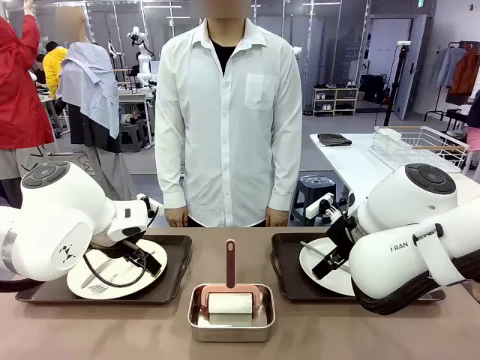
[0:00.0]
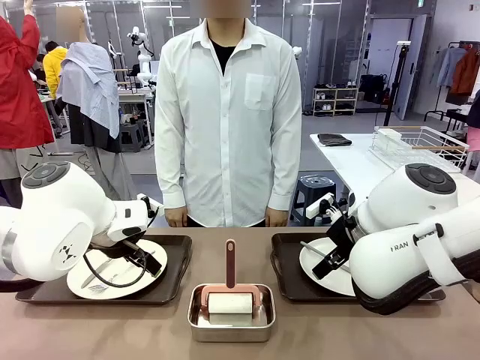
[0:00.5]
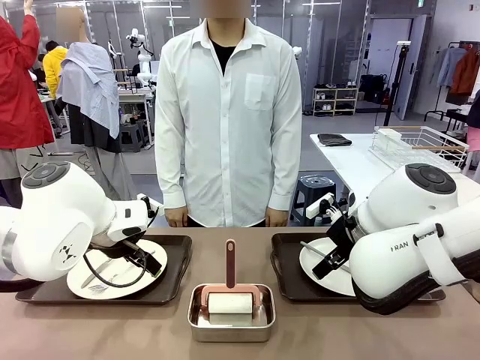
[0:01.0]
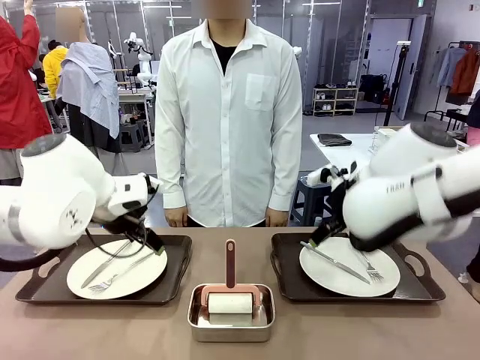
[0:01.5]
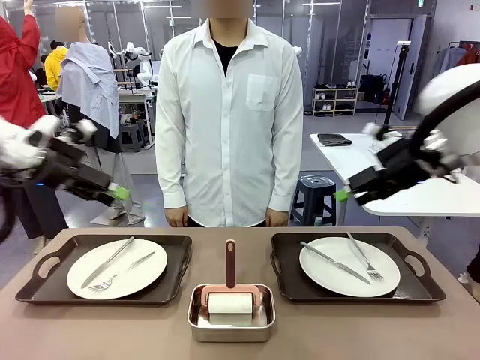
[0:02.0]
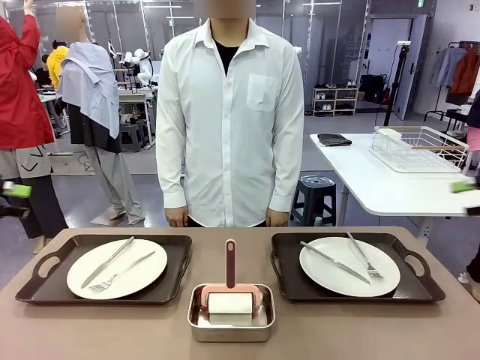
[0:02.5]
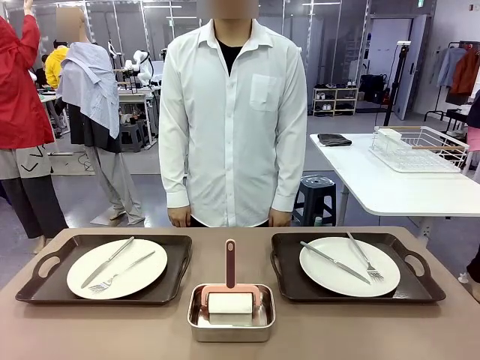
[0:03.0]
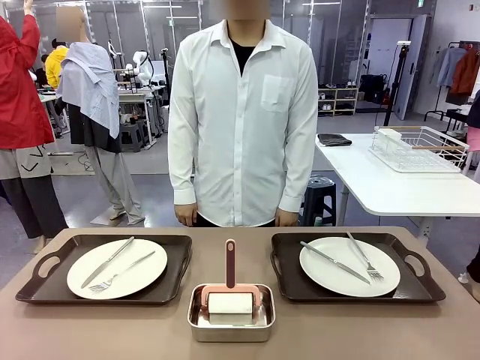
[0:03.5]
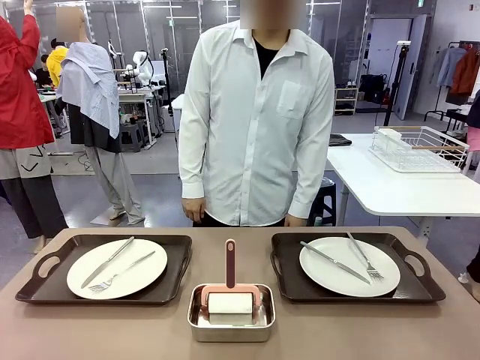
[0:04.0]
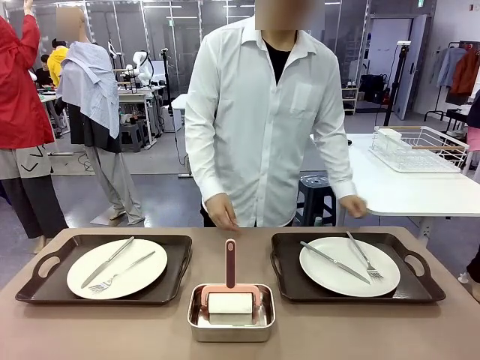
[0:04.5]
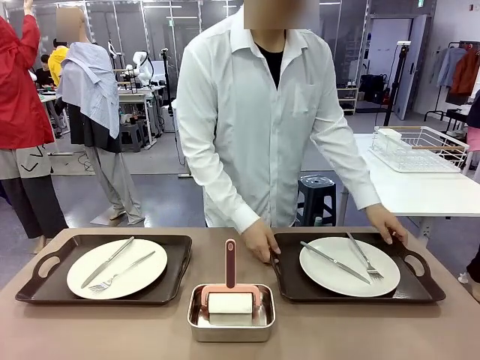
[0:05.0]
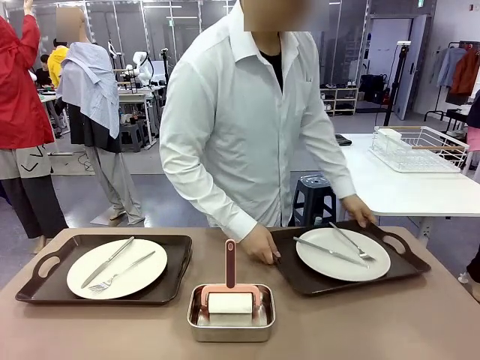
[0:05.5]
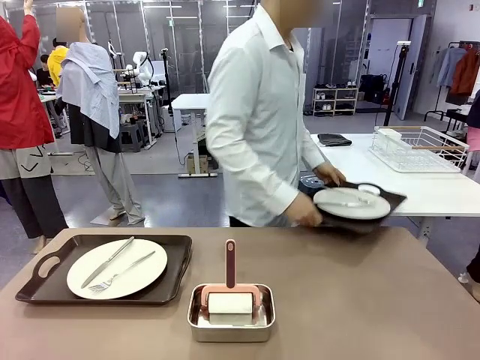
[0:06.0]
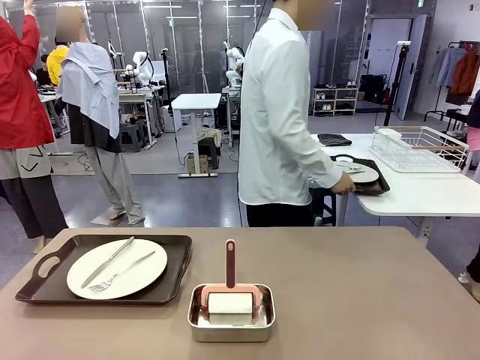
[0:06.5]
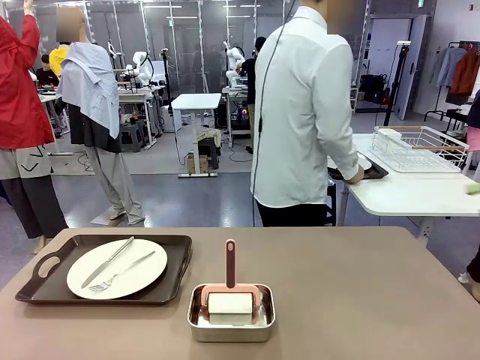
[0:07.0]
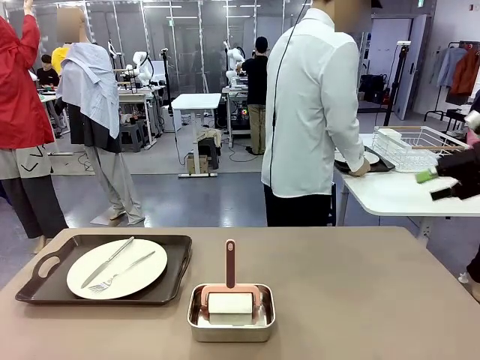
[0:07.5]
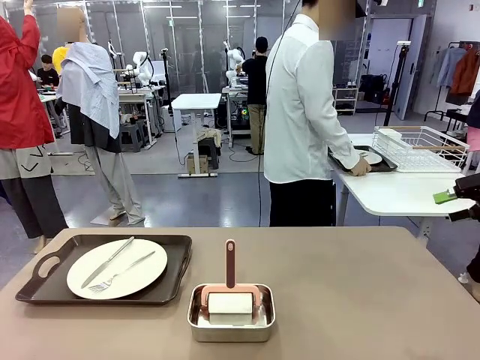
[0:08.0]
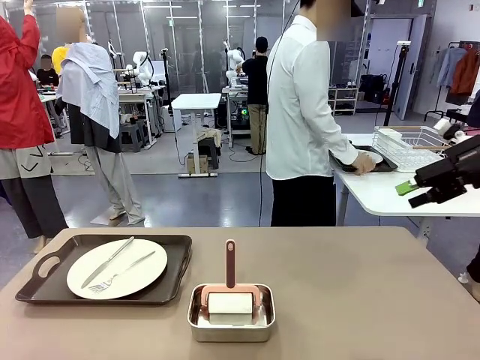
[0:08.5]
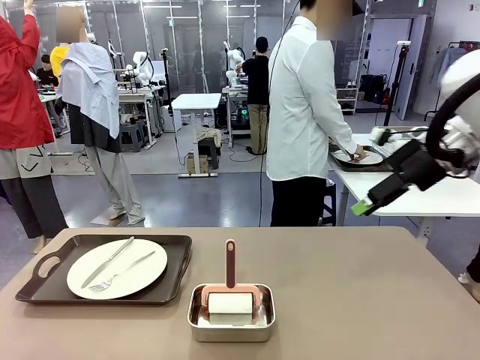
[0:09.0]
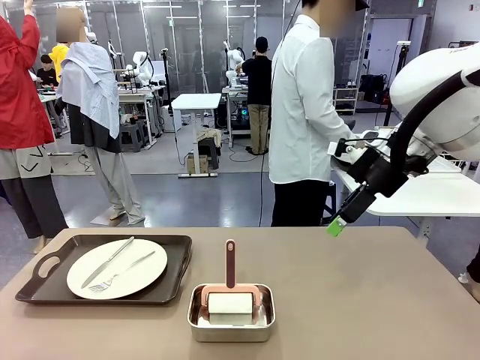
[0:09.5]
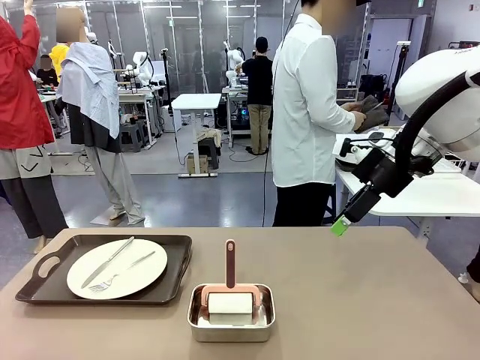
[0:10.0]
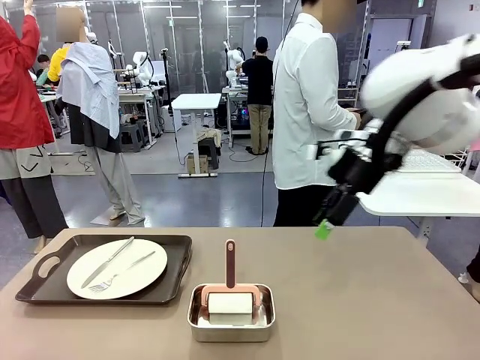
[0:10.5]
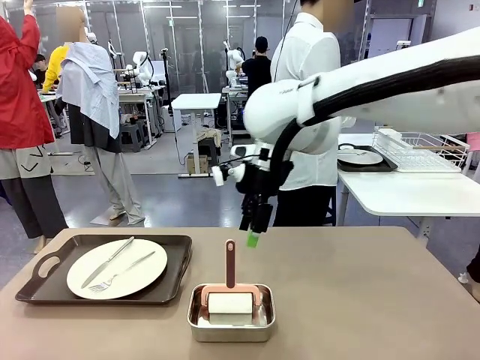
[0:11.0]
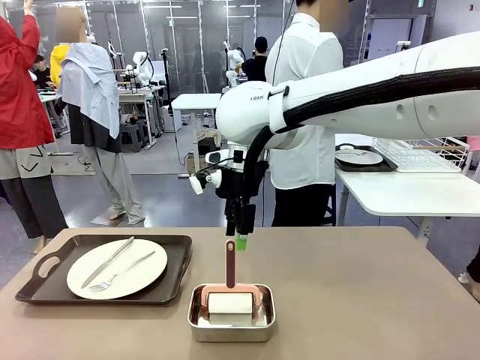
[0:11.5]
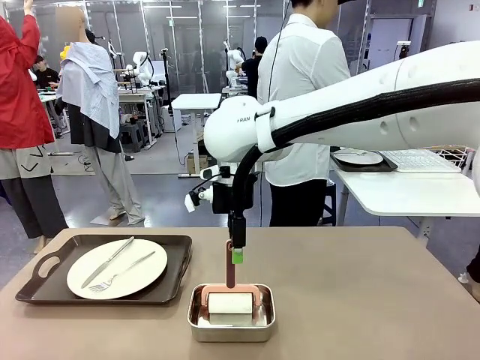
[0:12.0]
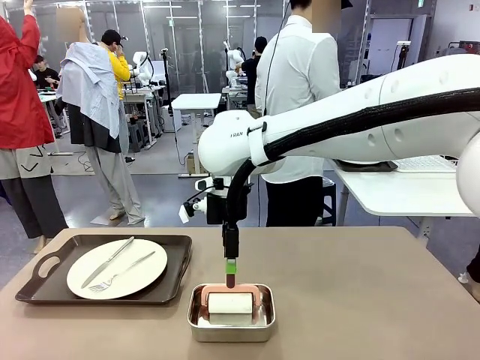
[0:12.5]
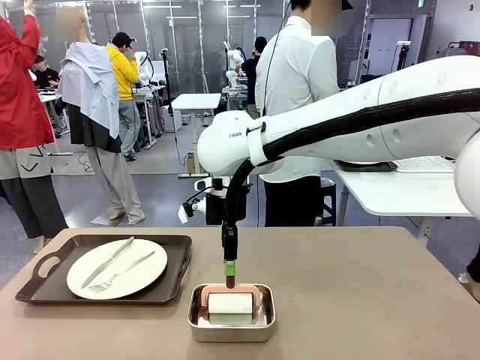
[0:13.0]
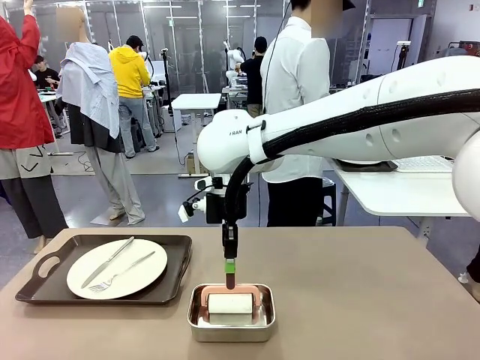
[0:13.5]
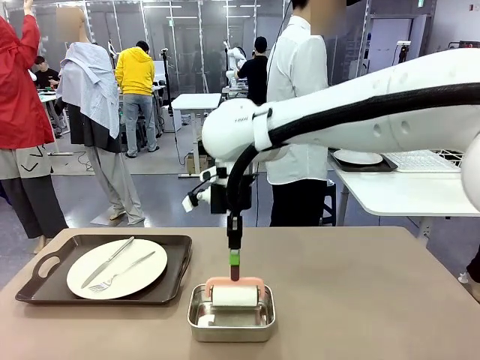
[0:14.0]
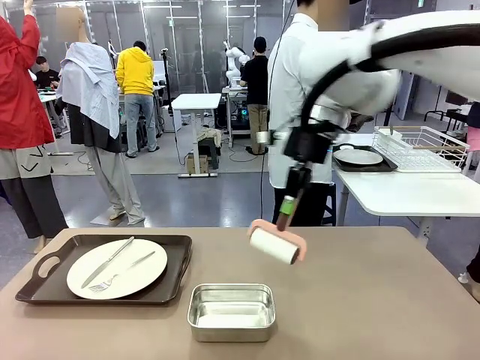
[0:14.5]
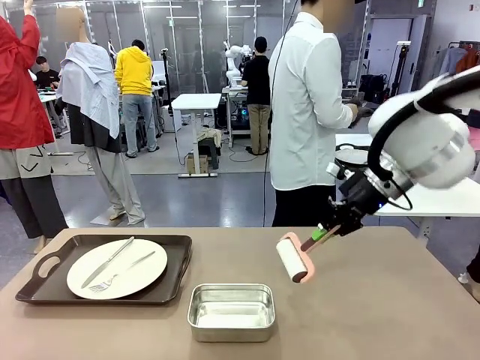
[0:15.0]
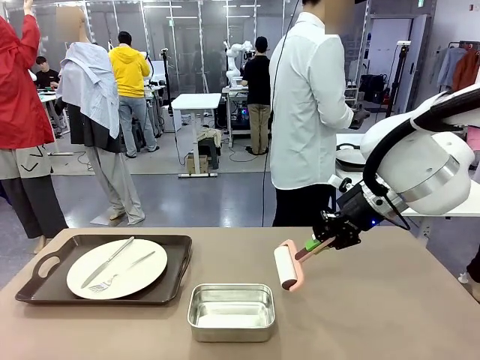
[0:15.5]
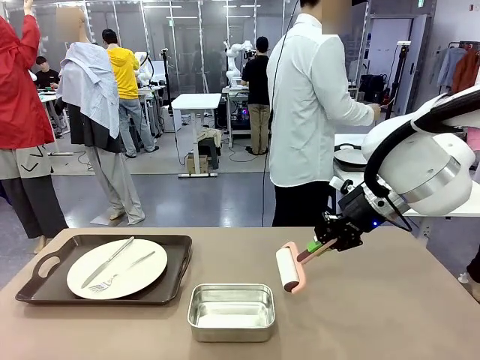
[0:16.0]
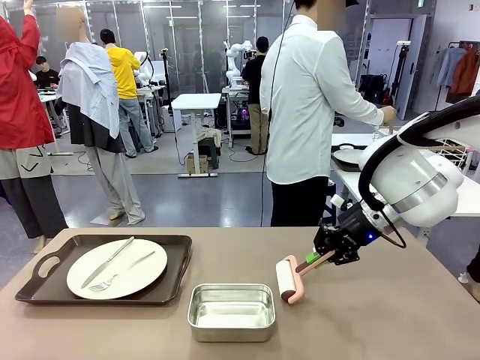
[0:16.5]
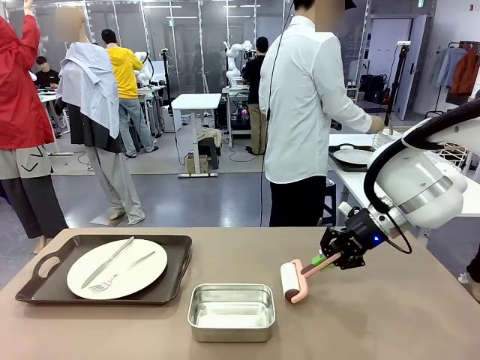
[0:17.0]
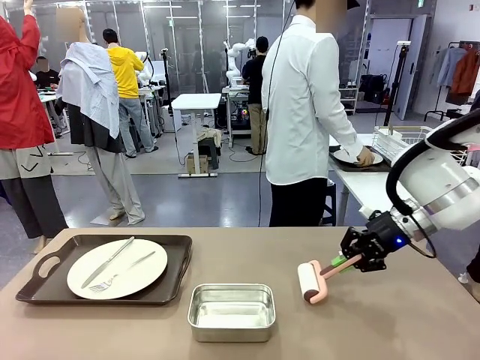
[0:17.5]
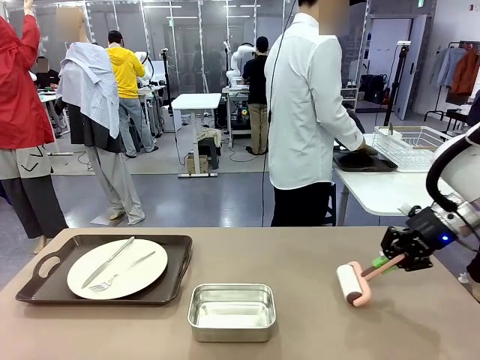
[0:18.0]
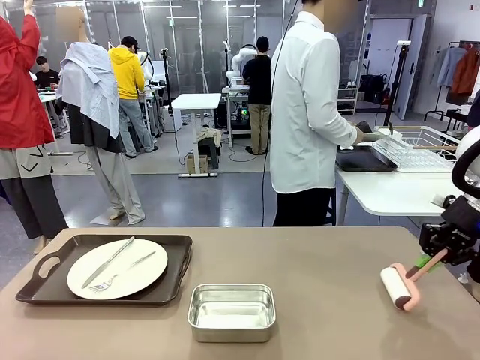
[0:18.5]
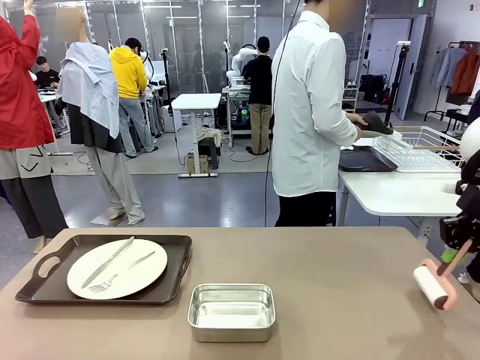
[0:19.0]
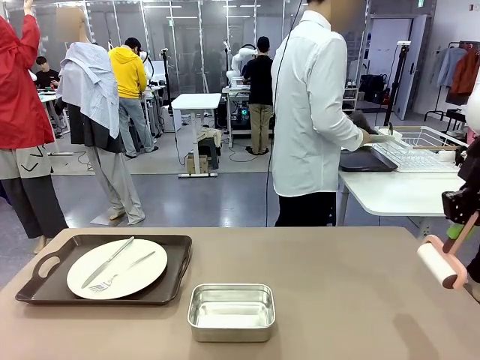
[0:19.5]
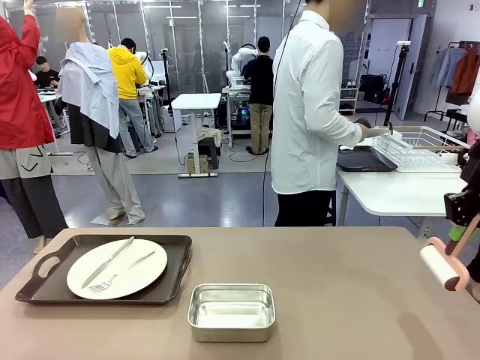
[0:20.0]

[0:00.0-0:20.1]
Robot: When the left (or right) Handle tray is removed, use the left hand (or right hand) to clean the left (or right) side of the table with the Lint Roller.
Person: Pick up the left (or right) Handle tray and place it on the middle of the Human's table. Use the Towel with hook to wipe the Plastic Matte Plate , Fork , and Knife and place into the Dish drying rack.

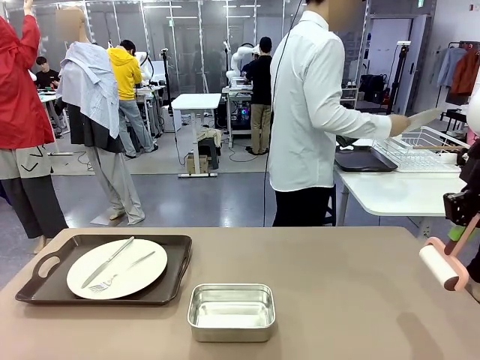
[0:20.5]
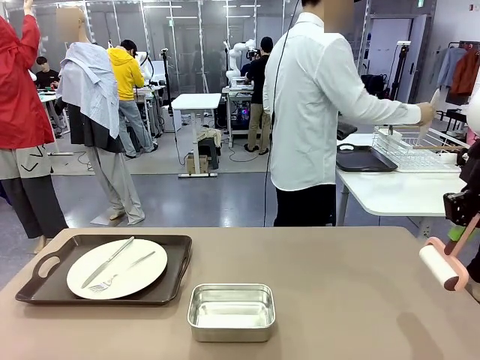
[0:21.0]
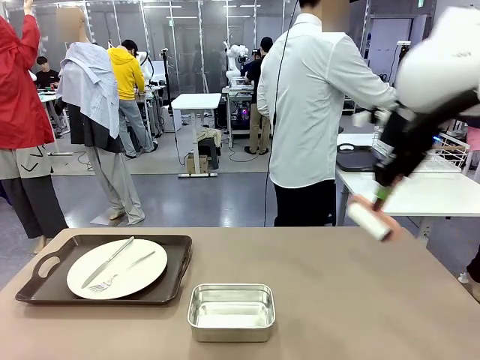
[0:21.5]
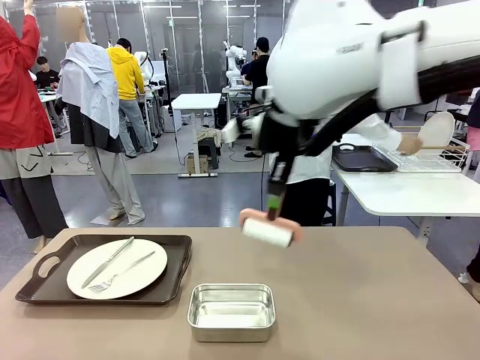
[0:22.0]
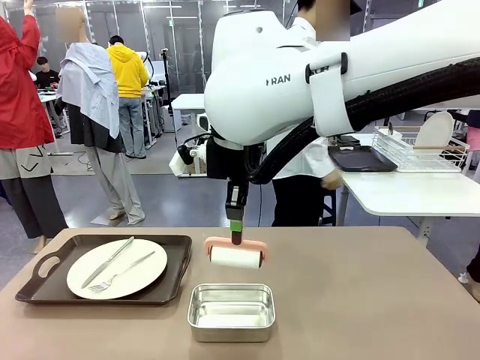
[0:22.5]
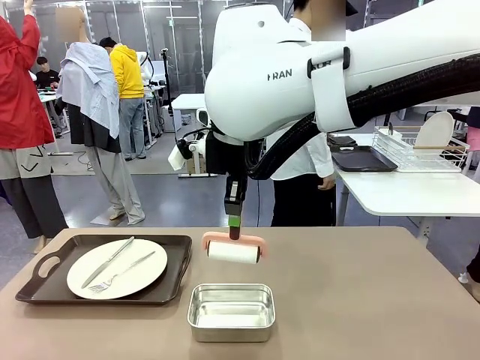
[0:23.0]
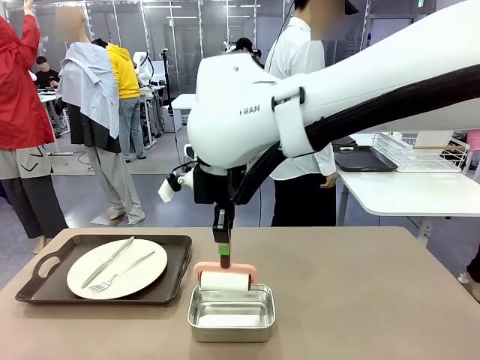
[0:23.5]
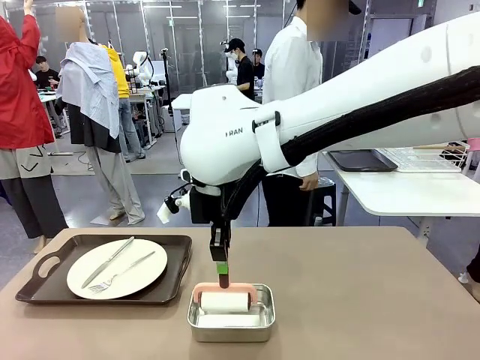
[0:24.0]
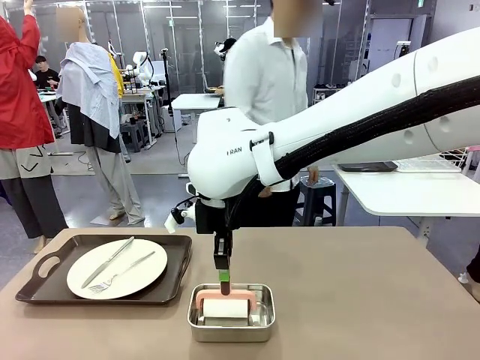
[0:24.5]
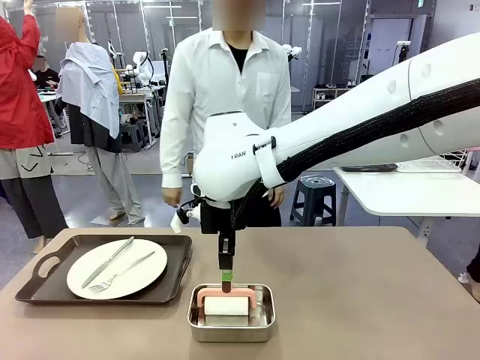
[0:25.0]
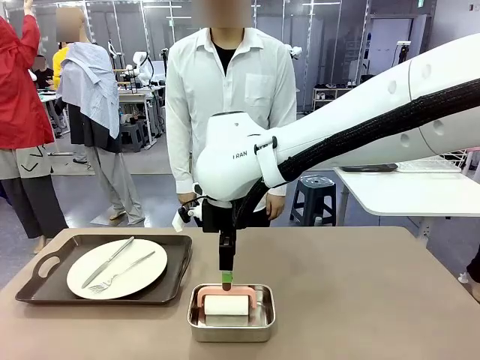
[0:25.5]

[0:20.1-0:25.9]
Robot: Place the Lint Roller back on top of the Airtight Container.
